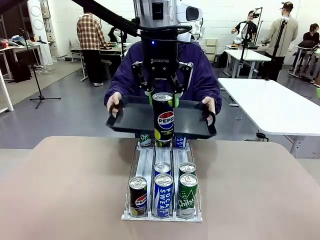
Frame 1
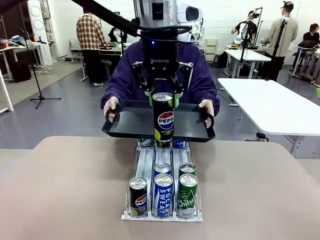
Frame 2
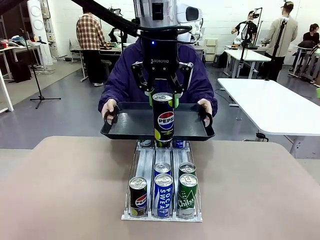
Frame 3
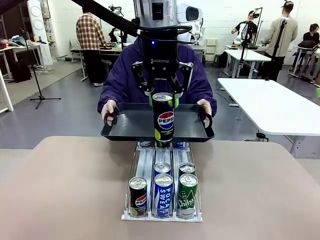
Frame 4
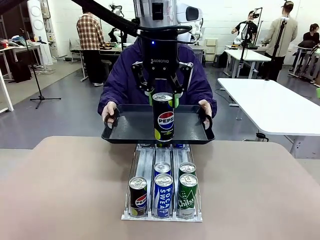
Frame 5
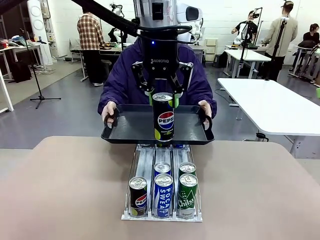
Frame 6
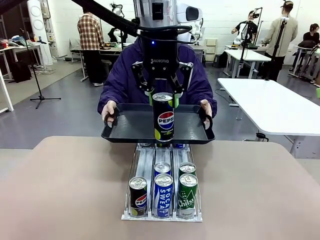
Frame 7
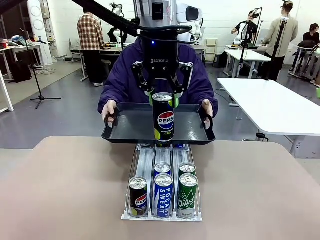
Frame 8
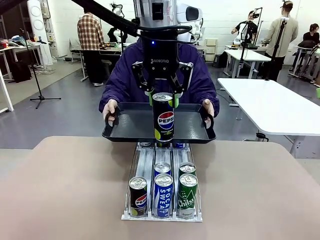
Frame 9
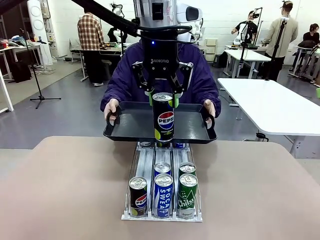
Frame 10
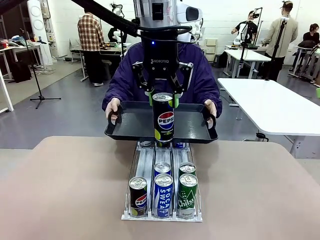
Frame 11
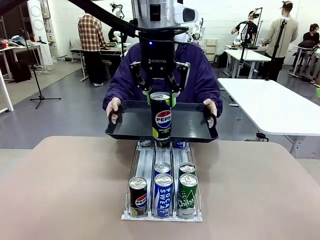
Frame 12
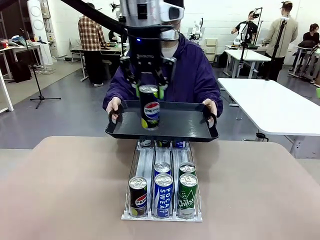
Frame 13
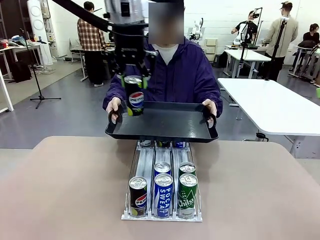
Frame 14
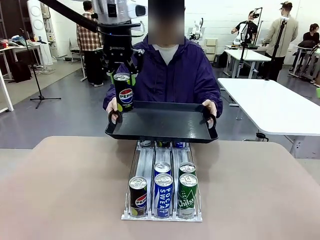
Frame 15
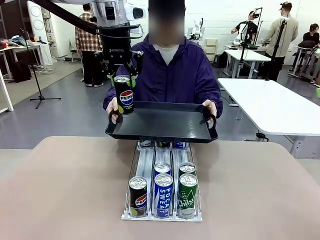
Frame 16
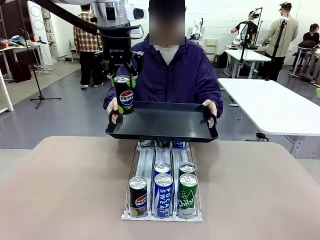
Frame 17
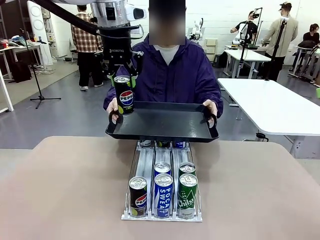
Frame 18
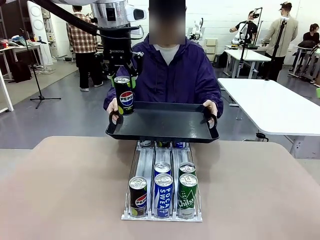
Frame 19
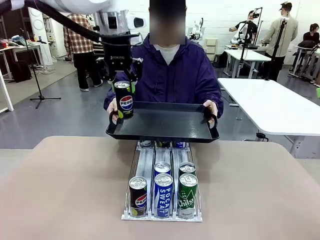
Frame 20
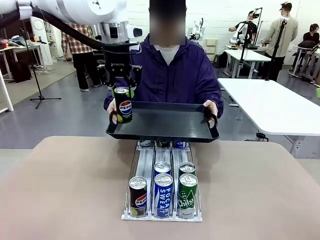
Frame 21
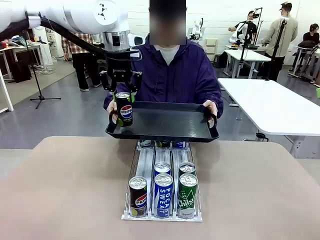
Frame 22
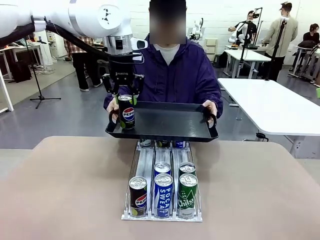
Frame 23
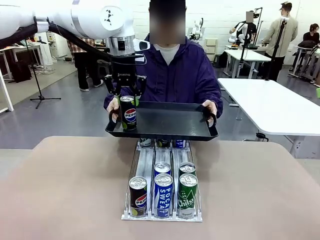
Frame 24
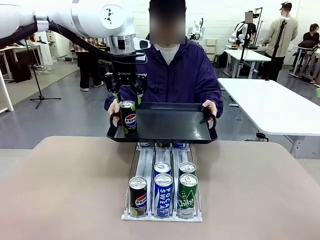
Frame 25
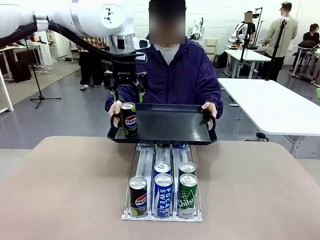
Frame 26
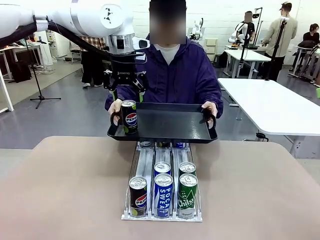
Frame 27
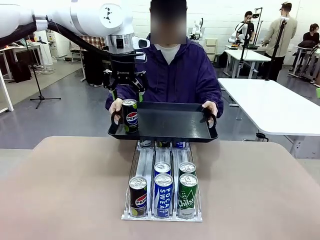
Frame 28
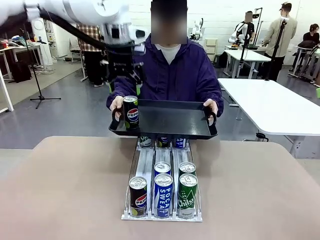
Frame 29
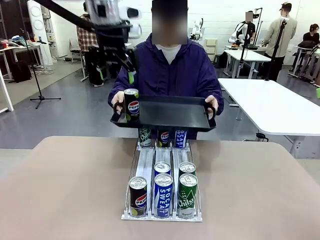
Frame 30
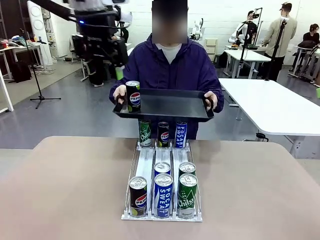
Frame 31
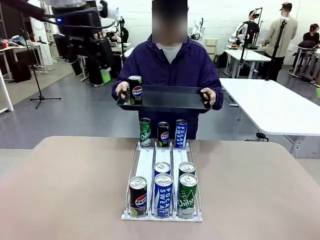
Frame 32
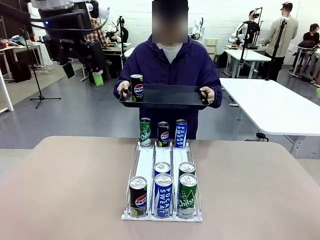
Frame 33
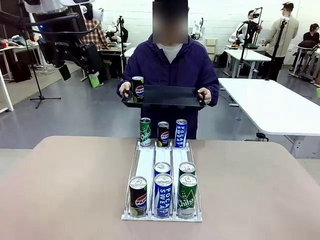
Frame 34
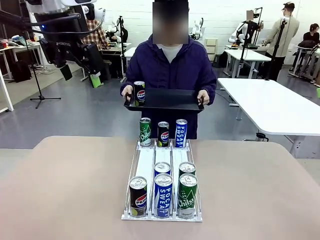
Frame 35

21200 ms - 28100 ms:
Task: Retrieve and hand over the desired beverage to the person.
Robot: Place the picked can on the Handle tray extended by the person.

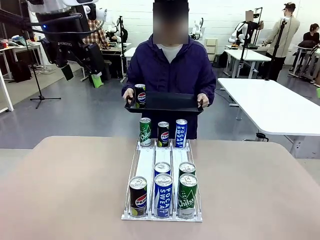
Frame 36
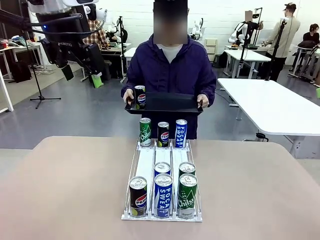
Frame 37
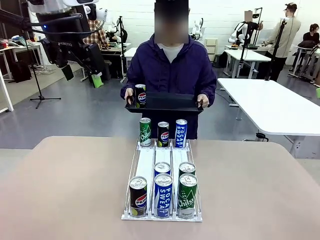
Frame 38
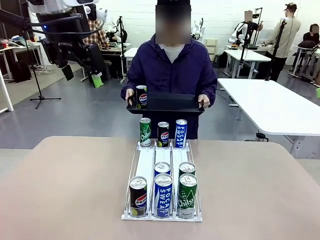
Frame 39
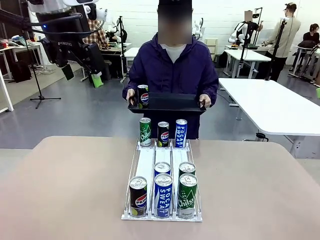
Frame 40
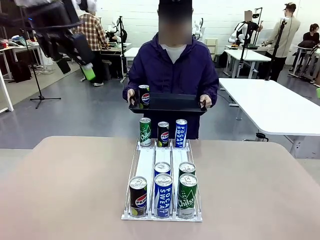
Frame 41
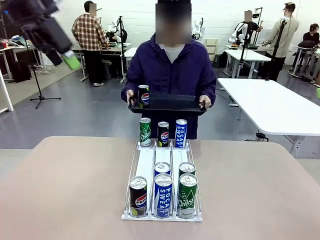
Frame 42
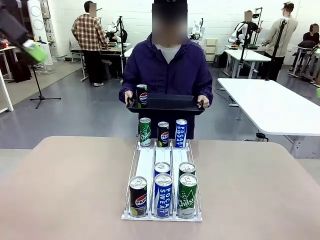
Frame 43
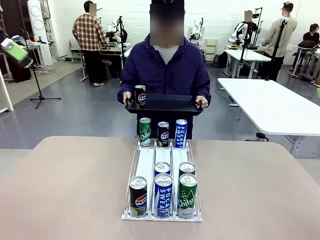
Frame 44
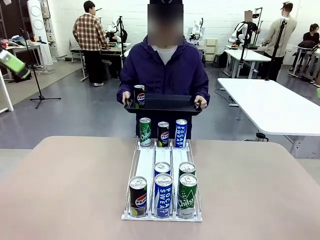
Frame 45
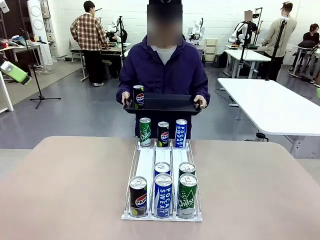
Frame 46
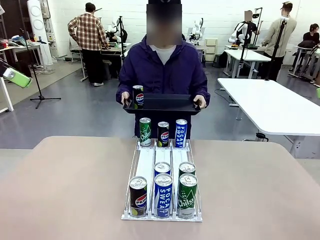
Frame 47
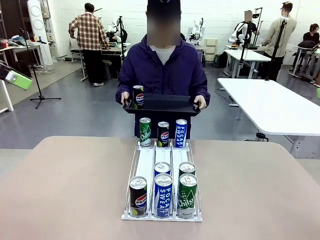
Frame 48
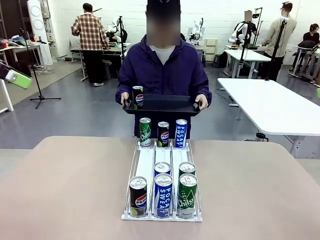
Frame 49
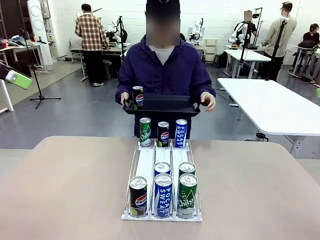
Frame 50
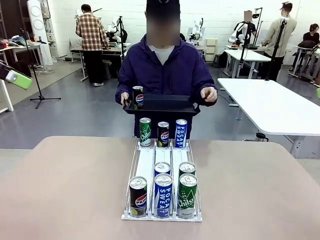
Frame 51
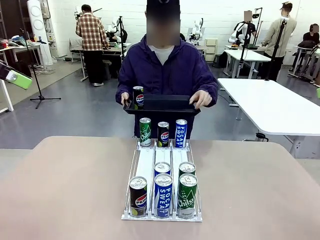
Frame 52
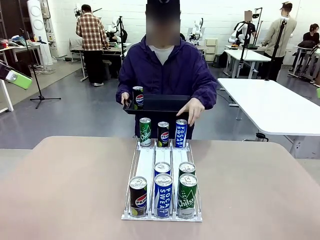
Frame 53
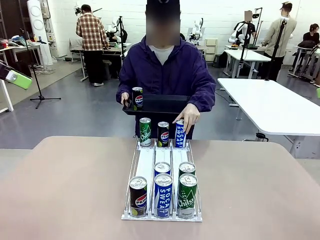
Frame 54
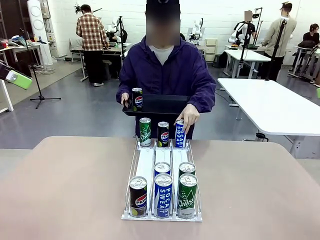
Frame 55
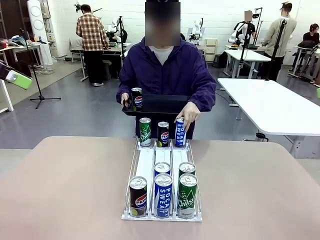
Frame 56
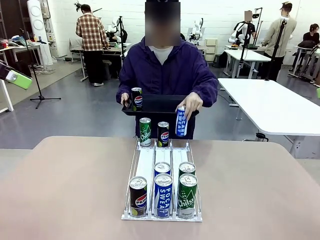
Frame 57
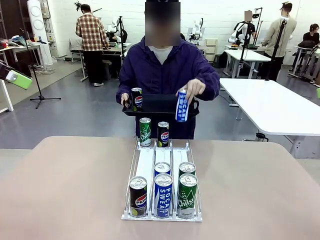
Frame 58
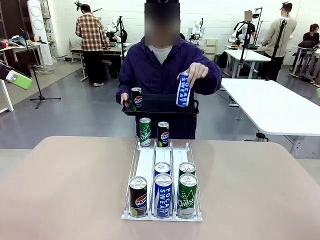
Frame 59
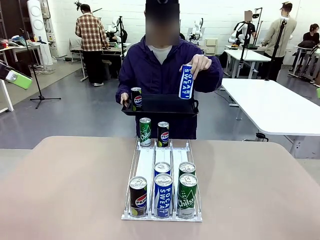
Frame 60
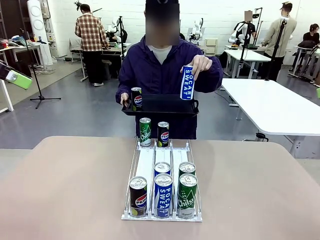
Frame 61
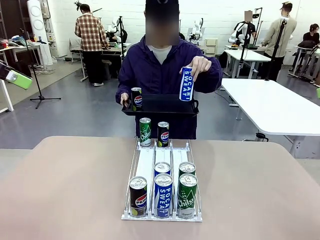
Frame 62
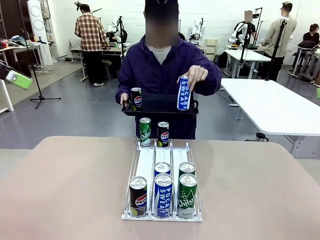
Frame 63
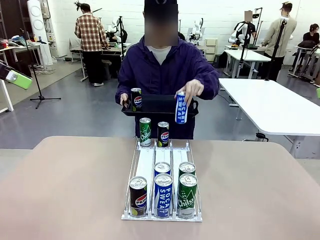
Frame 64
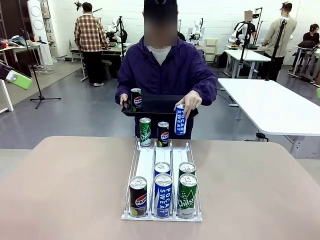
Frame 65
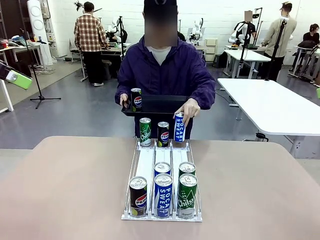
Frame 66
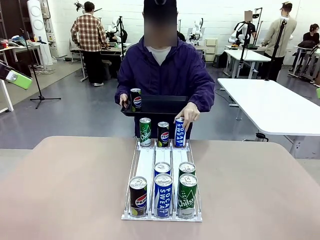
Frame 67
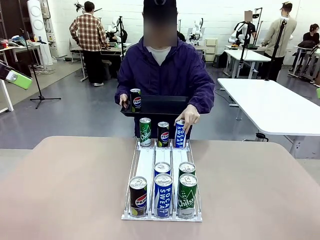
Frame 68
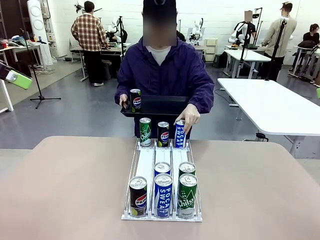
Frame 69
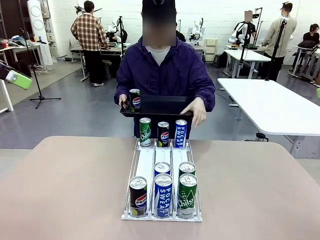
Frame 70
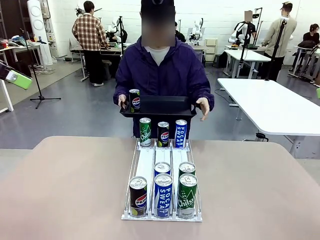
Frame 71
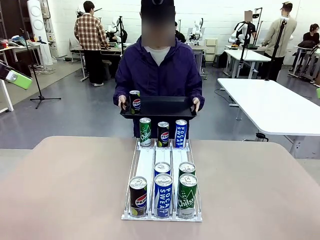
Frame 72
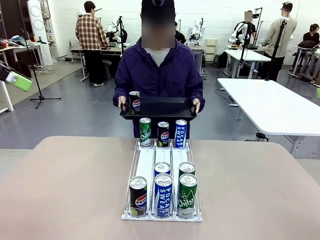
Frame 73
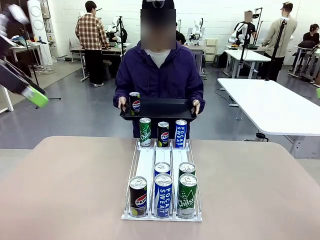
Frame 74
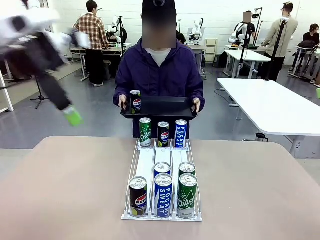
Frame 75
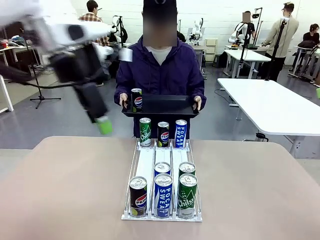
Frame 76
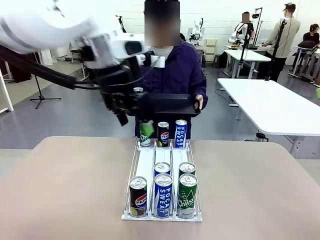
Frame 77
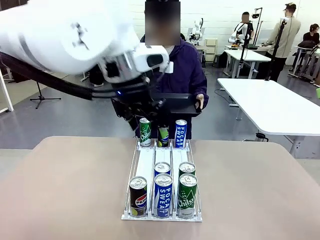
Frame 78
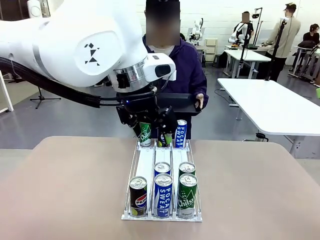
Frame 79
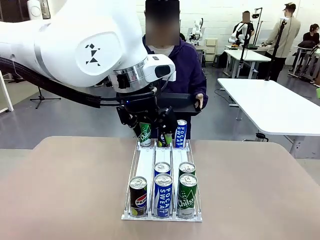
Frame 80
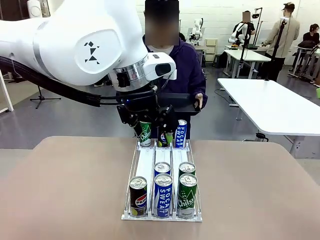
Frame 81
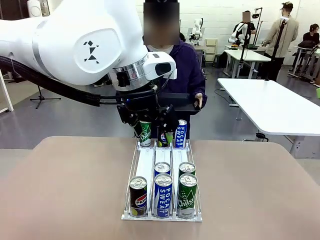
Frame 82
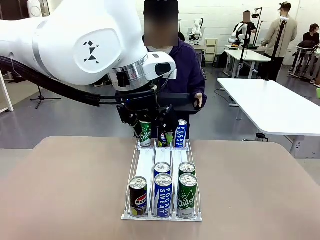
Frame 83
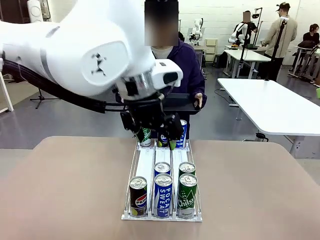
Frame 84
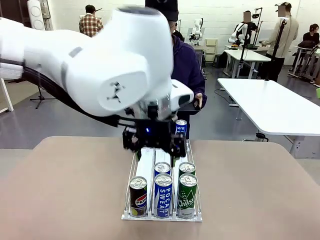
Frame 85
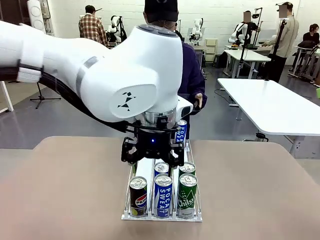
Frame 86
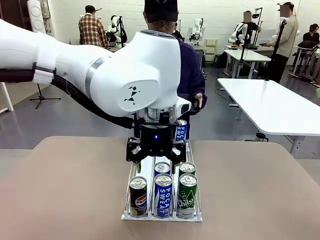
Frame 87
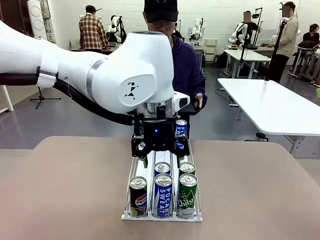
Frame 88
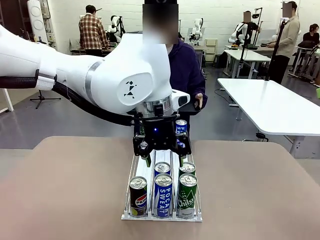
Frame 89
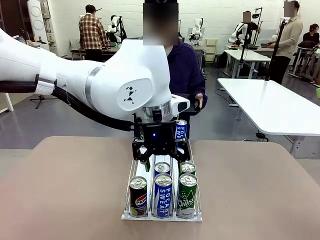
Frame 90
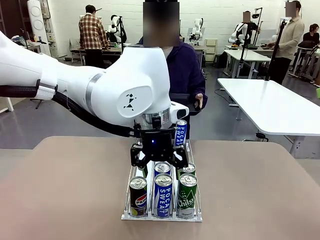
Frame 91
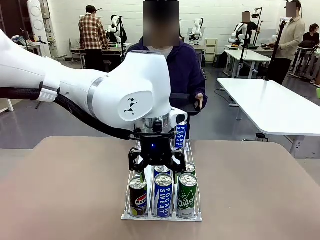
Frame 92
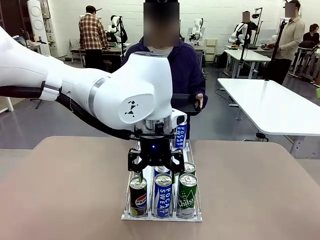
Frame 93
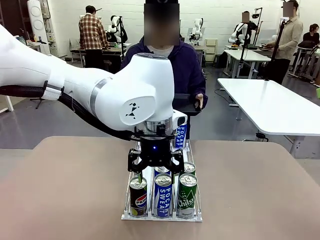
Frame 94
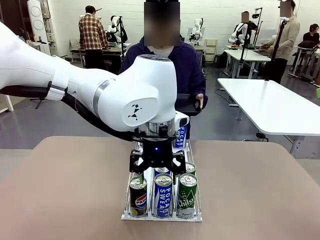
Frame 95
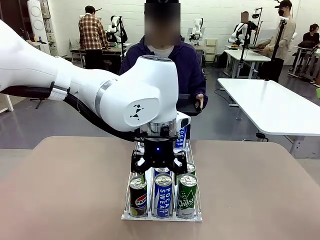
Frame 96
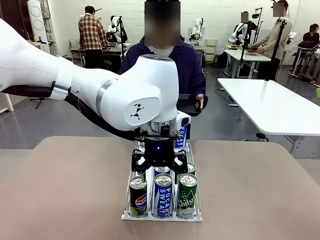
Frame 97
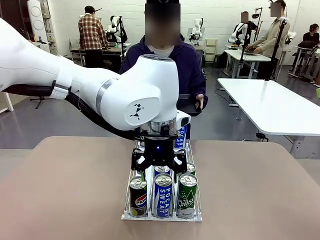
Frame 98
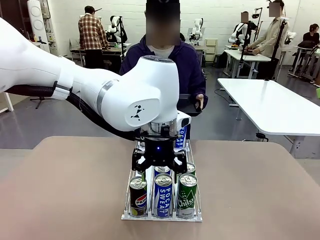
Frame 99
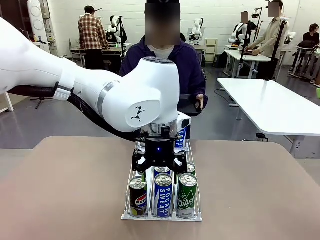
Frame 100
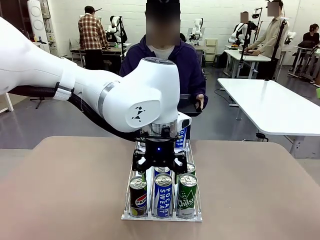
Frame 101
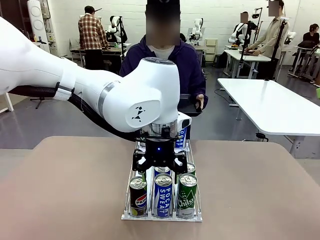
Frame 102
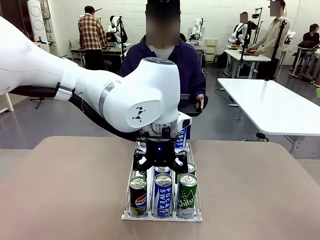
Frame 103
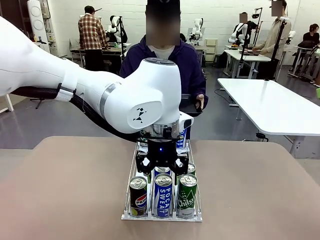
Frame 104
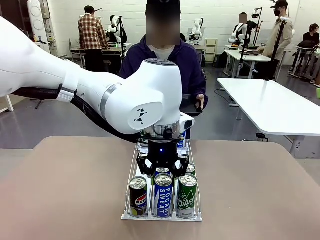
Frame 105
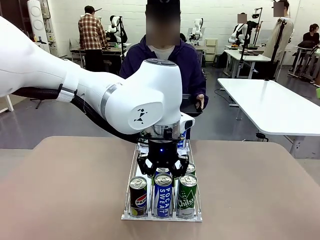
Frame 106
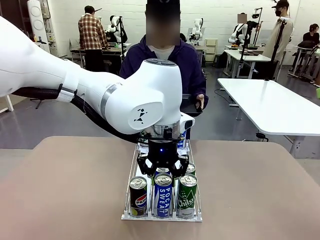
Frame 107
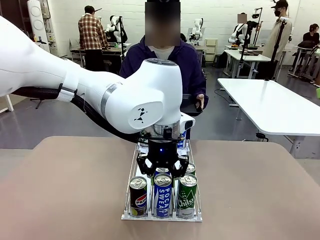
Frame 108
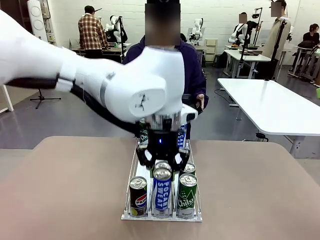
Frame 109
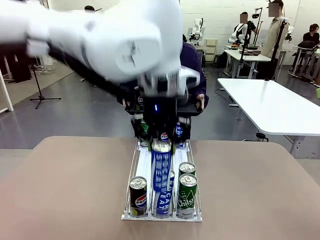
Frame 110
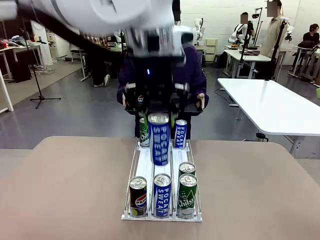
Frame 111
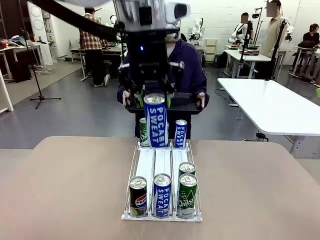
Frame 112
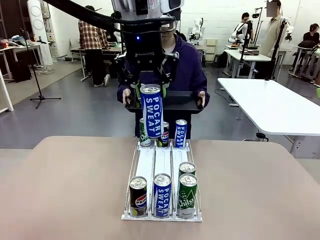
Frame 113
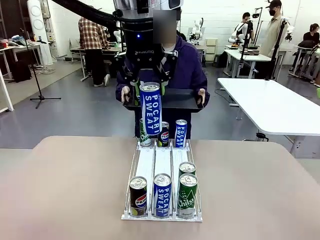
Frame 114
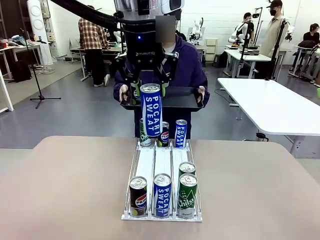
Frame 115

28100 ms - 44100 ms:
Robot: Pick up another can of the same type that the person held from the Automatic Can Dispenser.
Person: Pull the tray back, then pick up another can from the bottom area of the table and puts it back in its original place. Push the tray toward the robot again.
